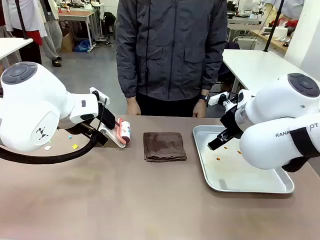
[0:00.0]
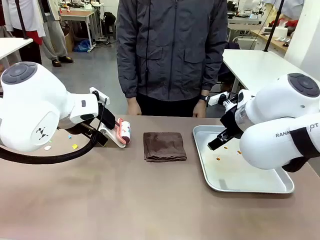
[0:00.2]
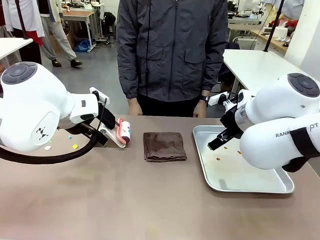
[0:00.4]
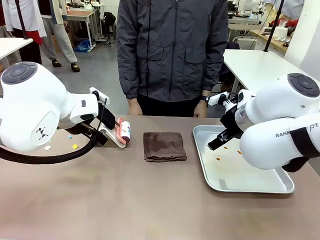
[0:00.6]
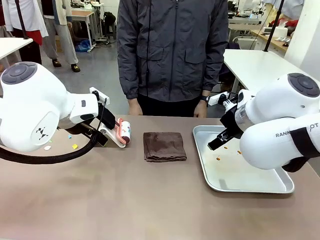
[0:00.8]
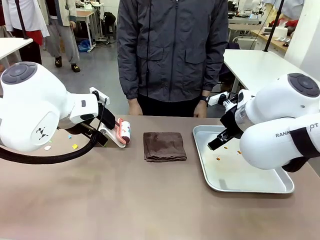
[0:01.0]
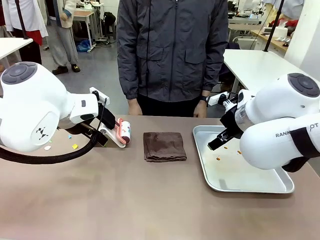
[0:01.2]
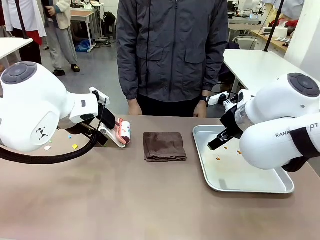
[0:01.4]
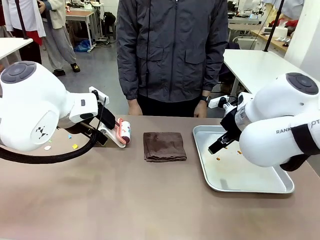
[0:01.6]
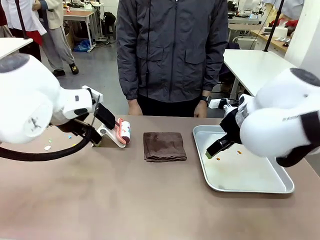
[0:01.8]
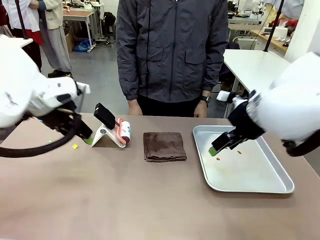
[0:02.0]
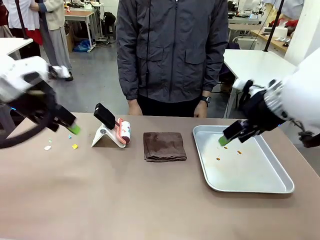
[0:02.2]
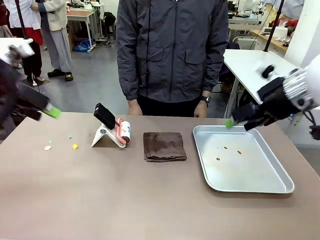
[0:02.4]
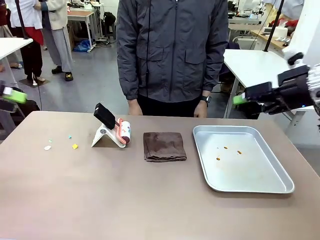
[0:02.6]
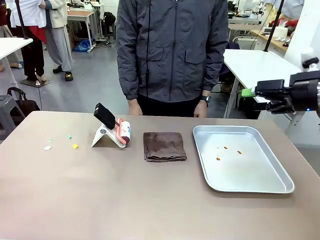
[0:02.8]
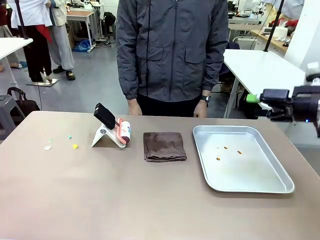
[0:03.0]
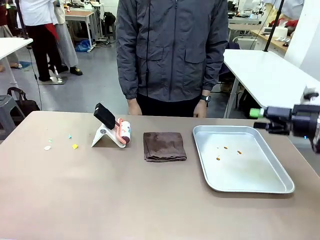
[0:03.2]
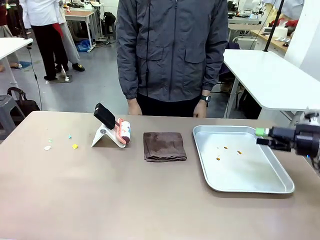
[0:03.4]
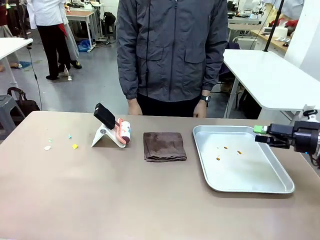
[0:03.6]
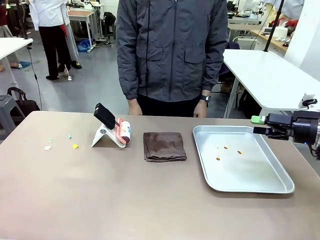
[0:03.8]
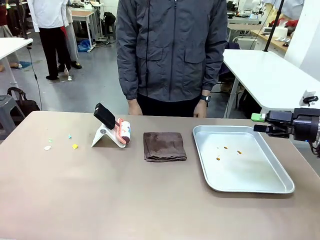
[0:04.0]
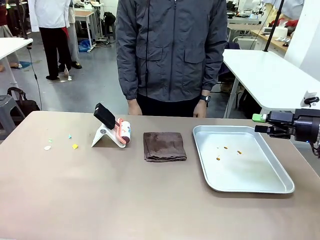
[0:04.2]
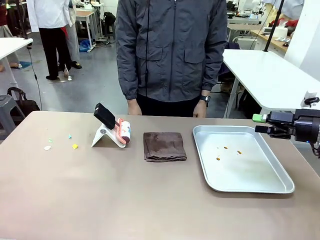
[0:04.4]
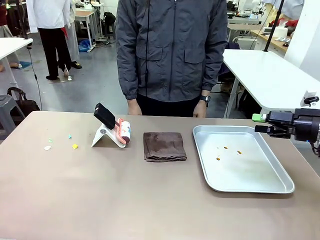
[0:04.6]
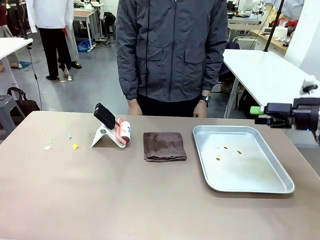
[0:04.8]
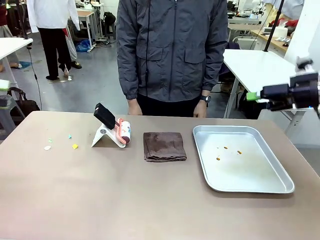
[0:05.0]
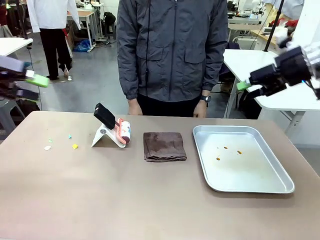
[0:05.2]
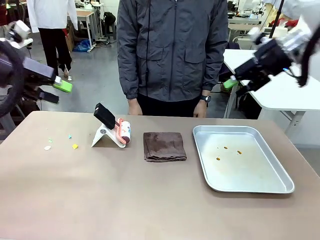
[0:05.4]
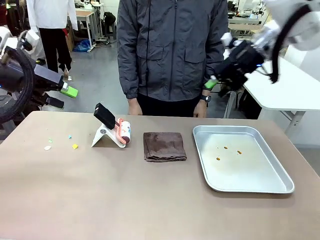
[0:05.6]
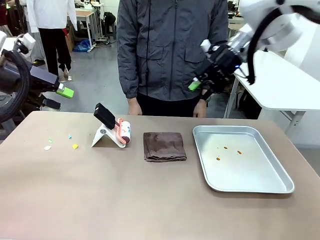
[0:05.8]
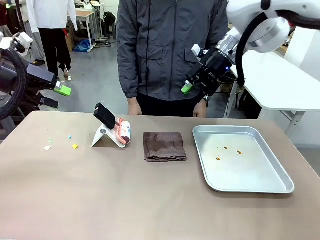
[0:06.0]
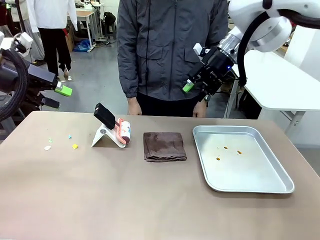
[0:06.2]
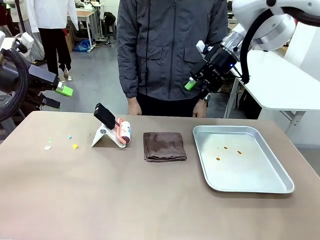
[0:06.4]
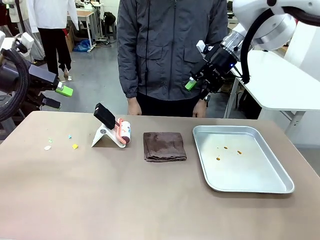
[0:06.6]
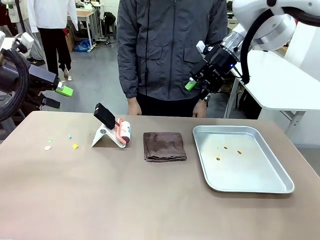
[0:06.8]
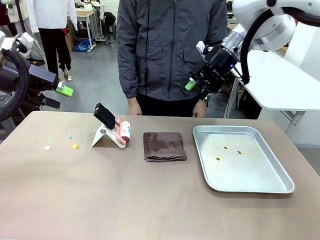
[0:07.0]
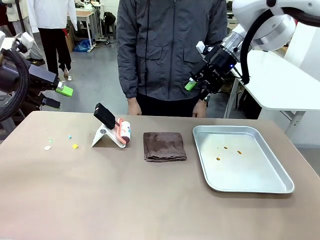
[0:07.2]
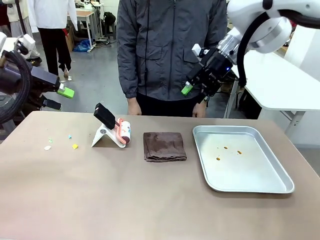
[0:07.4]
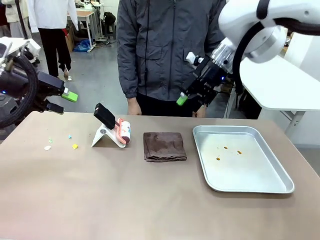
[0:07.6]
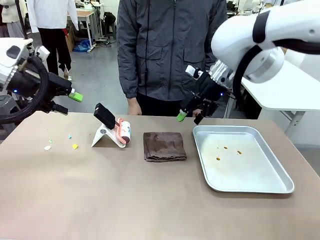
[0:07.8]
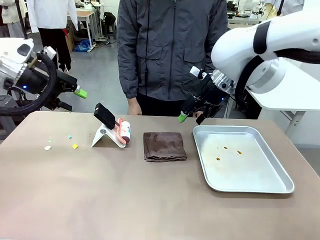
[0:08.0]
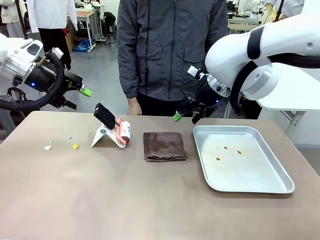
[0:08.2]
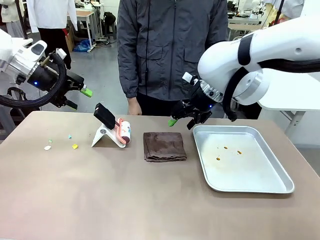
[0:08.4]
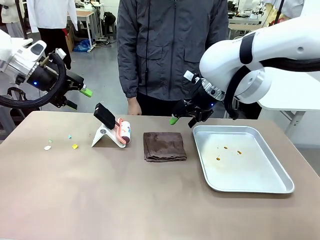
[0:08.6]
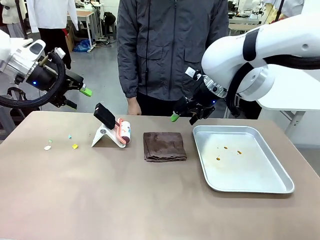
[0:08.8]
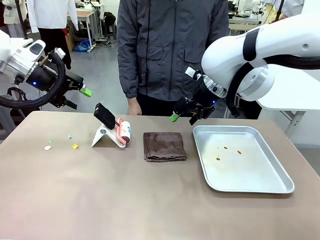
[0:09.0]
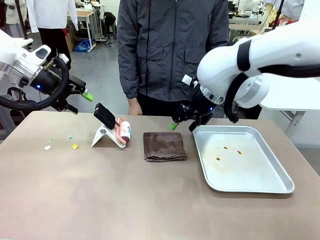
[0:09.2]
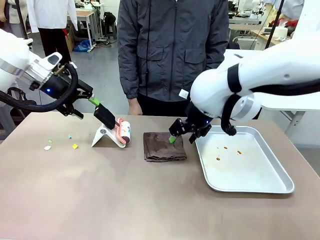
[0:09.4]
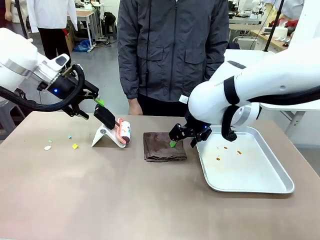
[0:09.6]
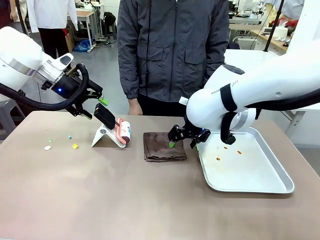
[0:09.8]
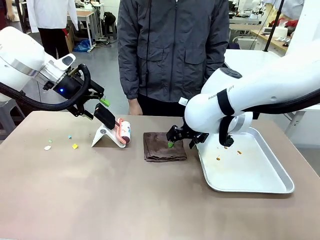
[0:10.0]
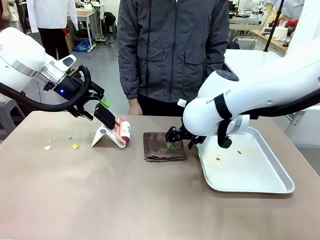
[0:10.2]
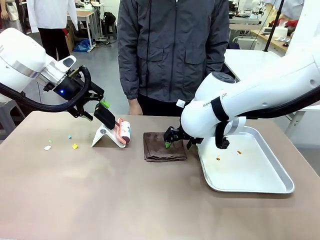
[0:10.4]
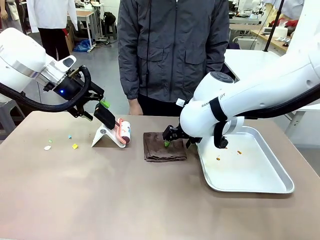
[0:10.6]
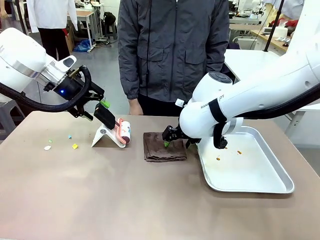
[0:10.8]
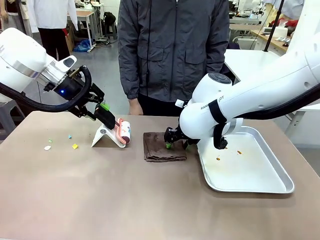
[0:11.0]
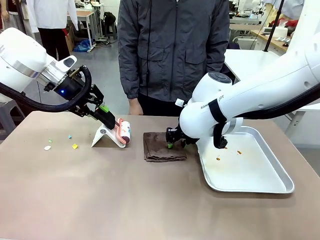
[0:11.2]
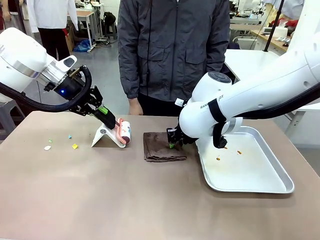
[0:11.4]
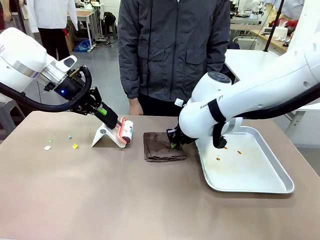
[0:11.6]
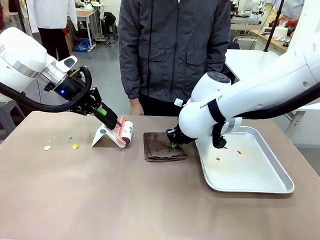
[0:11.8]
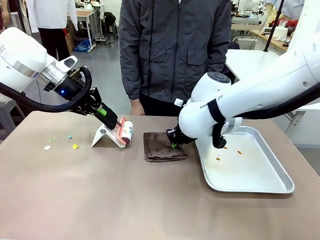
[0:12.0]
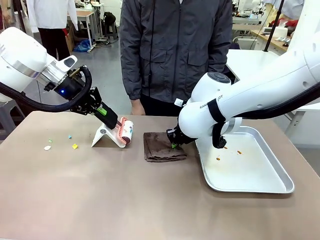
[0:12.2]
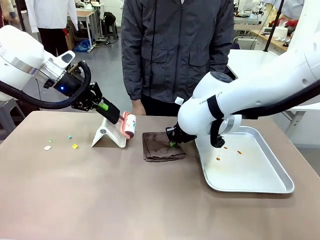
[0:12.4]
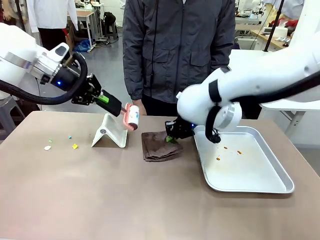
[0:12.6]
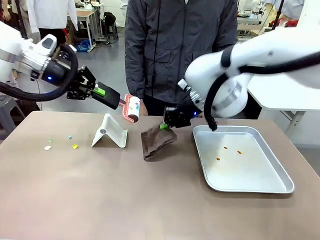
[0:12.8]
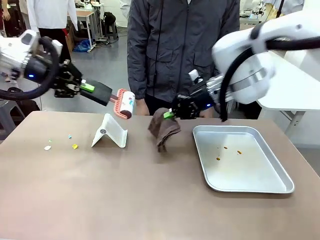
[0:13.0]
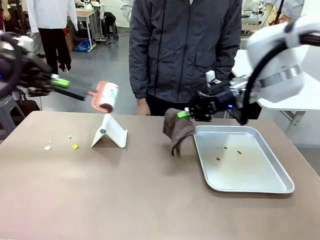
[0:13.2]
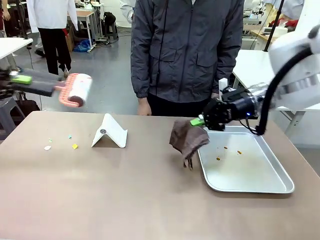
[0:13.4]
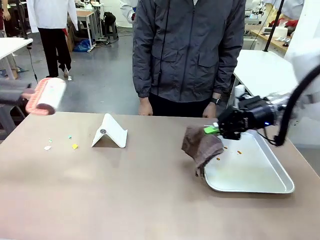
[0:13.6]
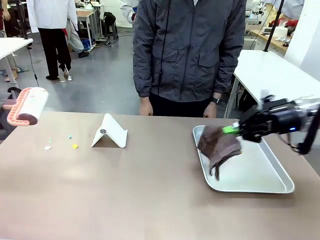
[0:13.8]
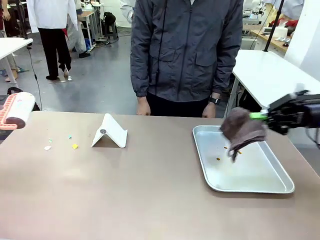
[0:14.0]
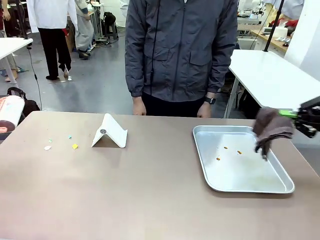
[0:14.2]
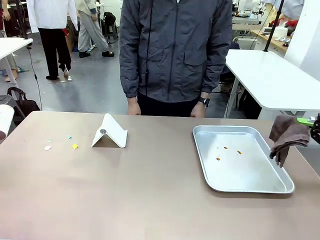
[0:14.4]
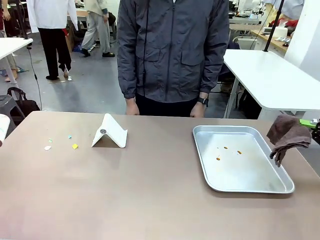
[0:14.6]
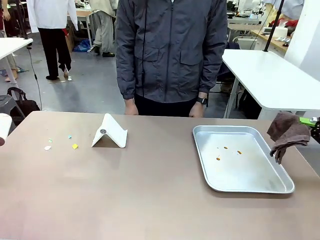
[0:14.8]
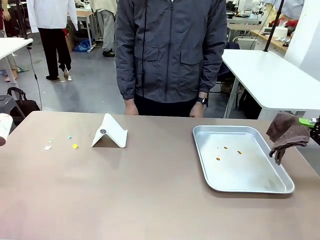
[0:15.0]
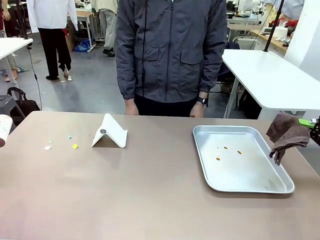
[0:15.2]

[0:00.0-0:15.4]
Task: Clean the surface of the table.
Robot: Hold the Lint Roller with your left hand and the towel with your right hand.

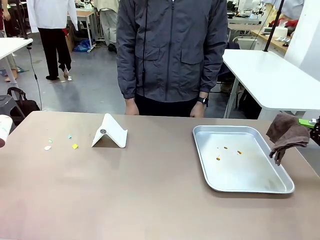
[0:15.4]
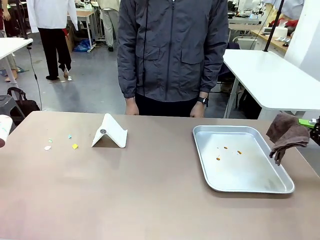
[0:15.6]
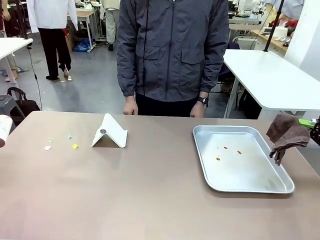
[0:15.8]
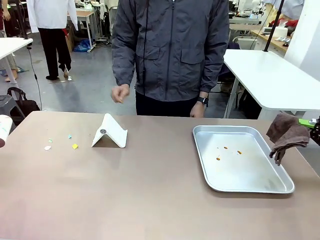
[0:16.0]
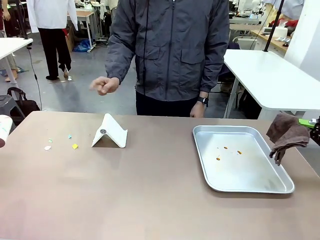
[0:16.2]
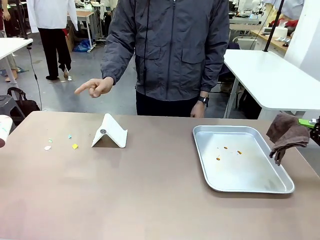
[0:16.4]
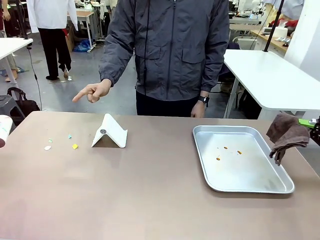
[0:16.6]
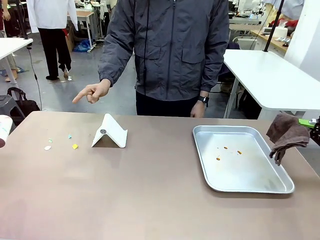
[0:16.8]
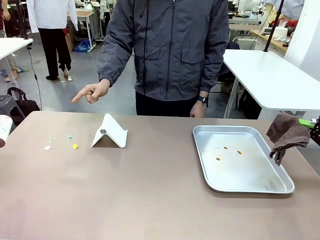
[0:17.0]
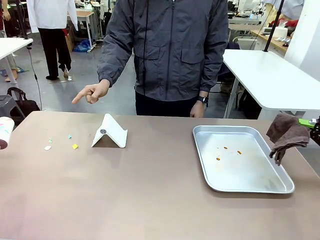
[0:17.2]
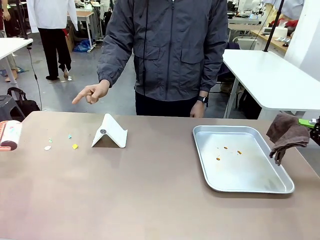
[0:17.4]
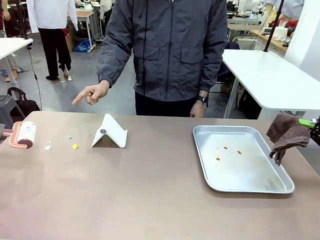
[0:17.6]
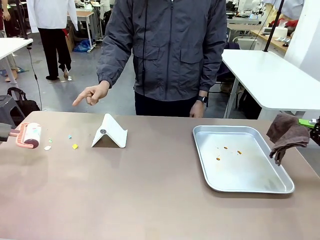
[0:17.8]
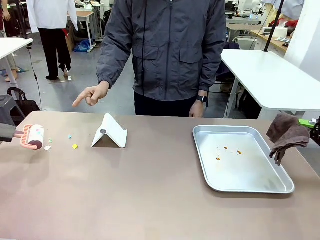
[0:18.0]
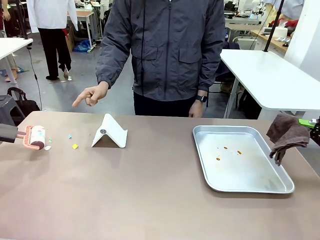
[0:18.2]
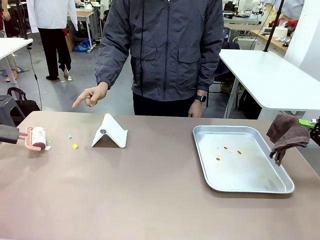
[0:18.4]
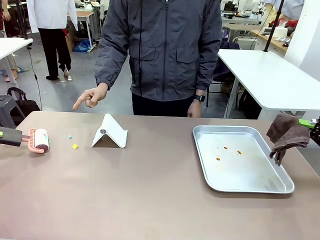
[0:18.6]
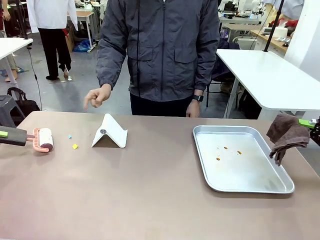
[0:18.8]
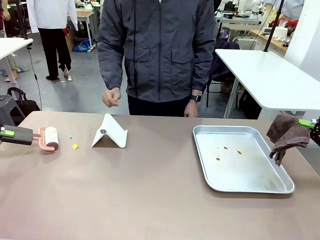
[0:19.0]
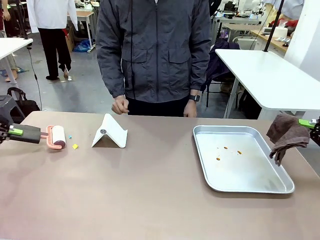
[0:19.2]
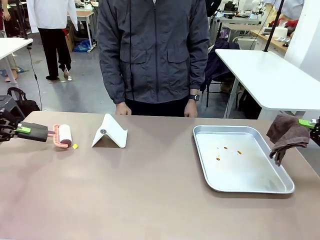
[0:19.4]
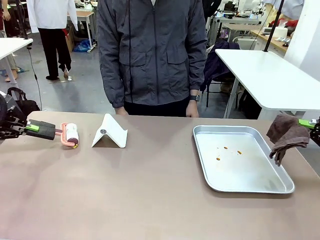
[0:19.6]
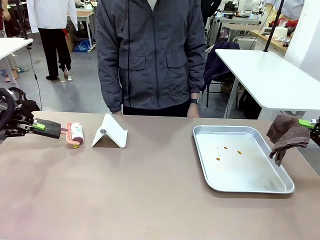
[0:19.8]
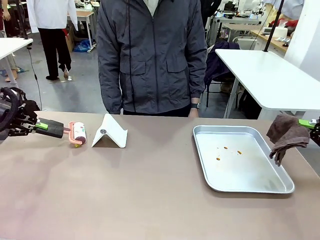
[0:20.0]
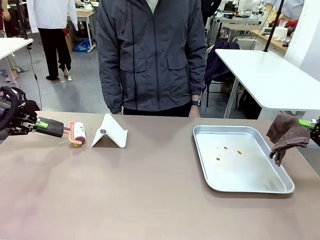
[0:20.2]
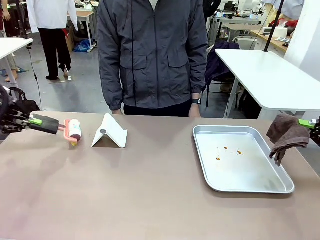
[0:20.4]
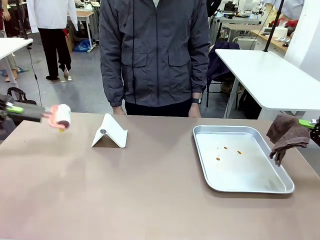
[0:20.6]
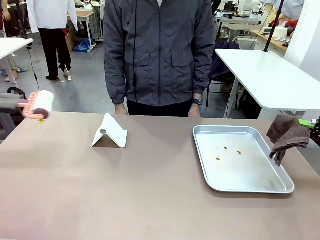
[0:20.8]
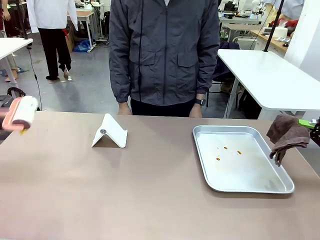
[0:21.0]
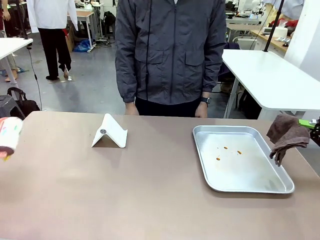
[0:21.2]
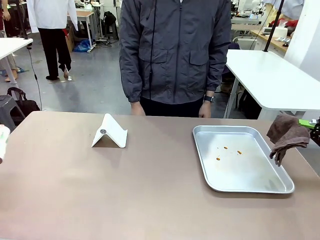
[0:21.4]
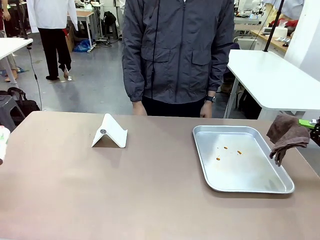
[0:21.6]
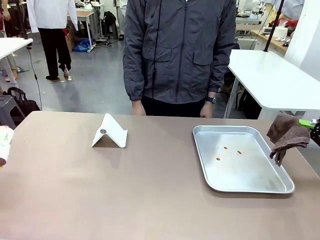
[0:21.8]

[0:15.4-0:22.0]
Robot: If a person points to the right, clean the right side of the table with your right hand, and if they point to the left, clean the left side with your left hand.
